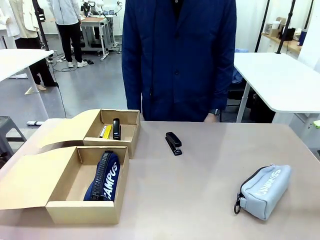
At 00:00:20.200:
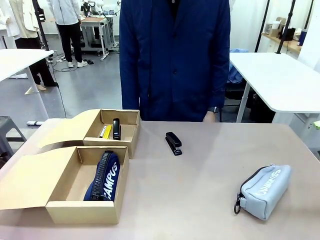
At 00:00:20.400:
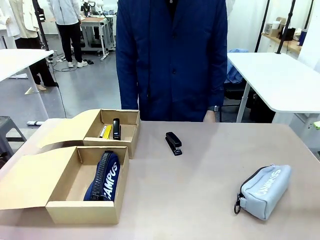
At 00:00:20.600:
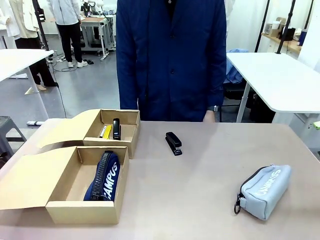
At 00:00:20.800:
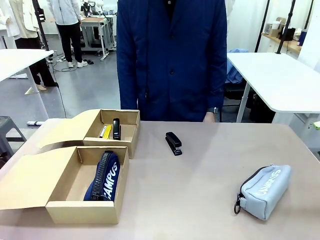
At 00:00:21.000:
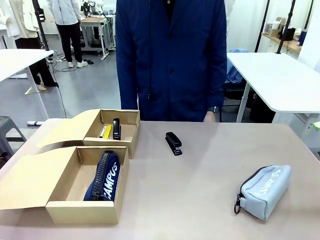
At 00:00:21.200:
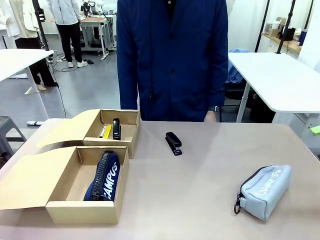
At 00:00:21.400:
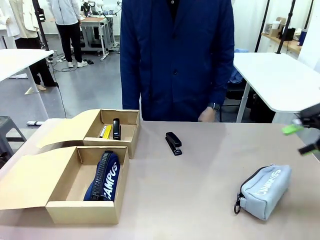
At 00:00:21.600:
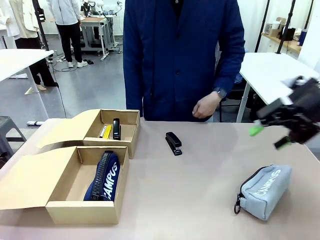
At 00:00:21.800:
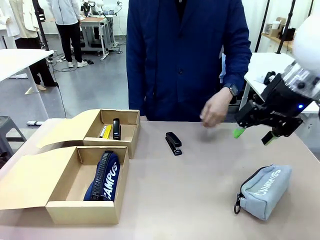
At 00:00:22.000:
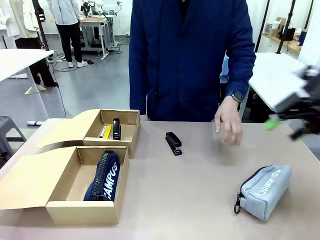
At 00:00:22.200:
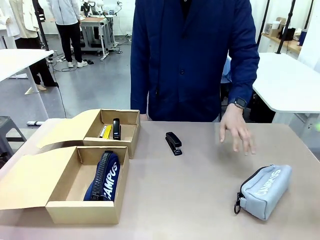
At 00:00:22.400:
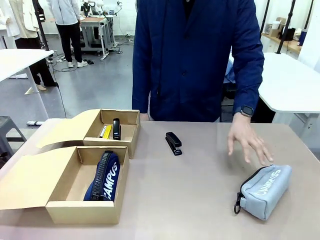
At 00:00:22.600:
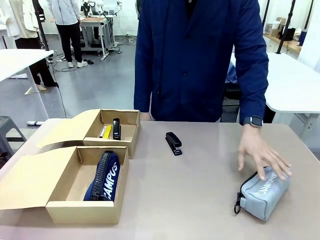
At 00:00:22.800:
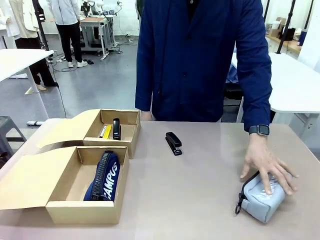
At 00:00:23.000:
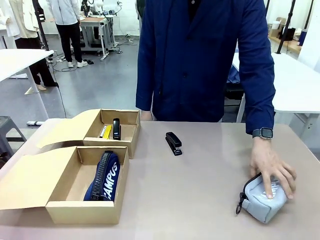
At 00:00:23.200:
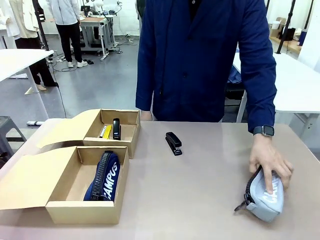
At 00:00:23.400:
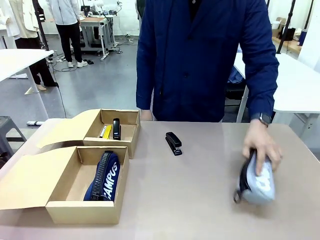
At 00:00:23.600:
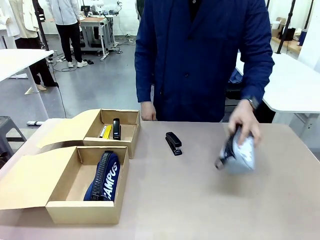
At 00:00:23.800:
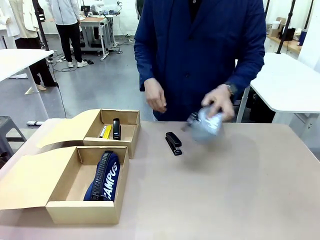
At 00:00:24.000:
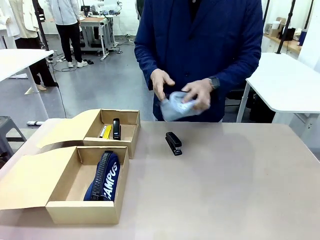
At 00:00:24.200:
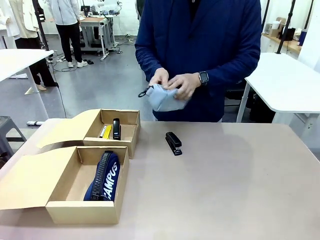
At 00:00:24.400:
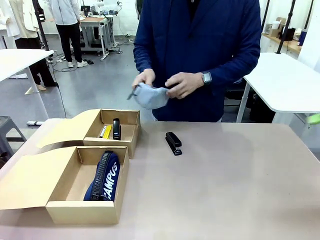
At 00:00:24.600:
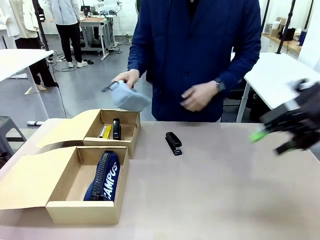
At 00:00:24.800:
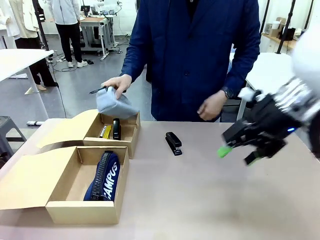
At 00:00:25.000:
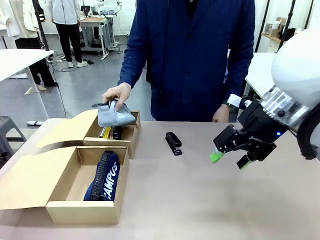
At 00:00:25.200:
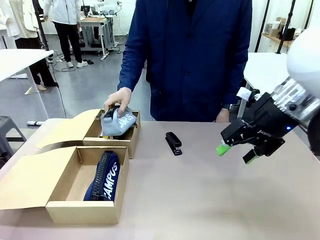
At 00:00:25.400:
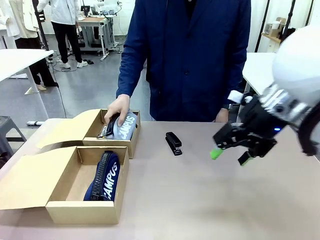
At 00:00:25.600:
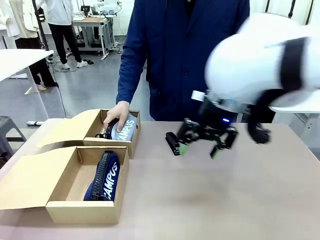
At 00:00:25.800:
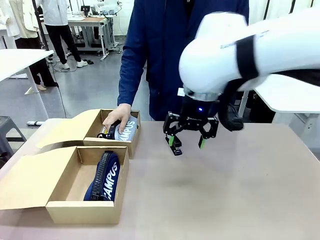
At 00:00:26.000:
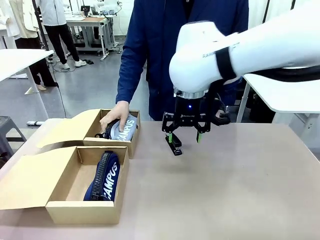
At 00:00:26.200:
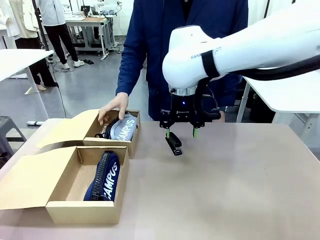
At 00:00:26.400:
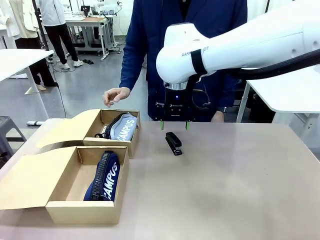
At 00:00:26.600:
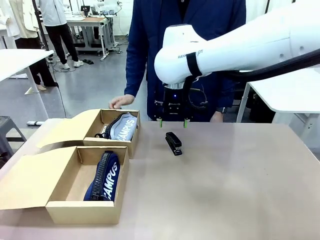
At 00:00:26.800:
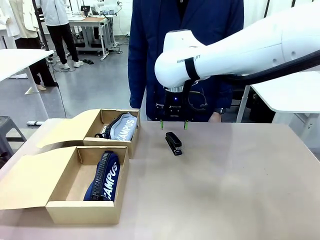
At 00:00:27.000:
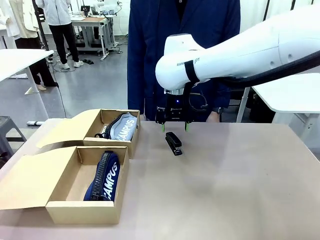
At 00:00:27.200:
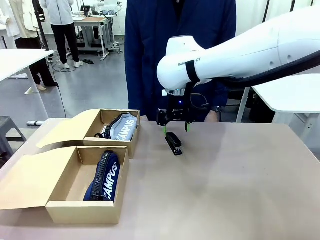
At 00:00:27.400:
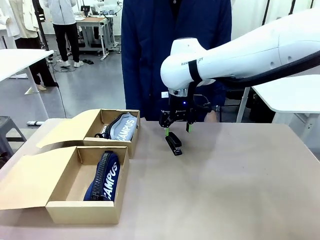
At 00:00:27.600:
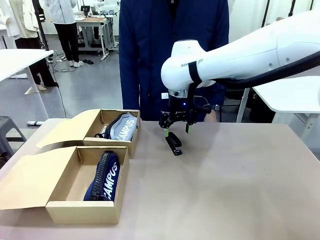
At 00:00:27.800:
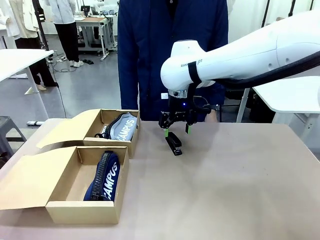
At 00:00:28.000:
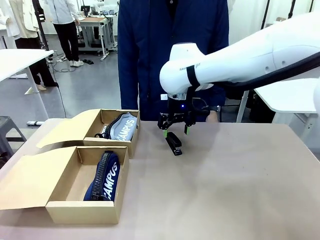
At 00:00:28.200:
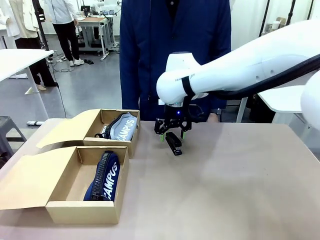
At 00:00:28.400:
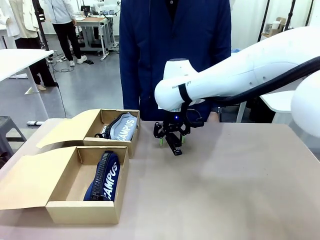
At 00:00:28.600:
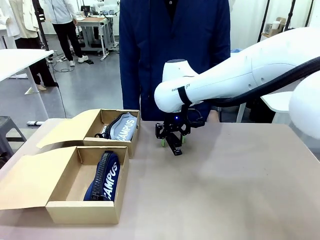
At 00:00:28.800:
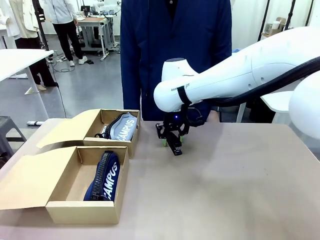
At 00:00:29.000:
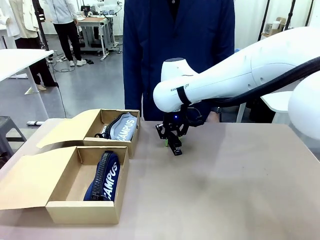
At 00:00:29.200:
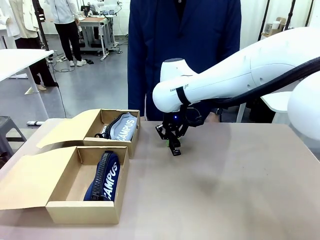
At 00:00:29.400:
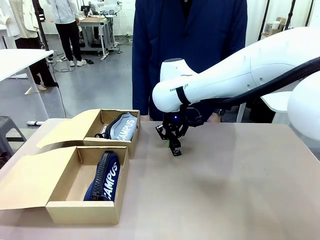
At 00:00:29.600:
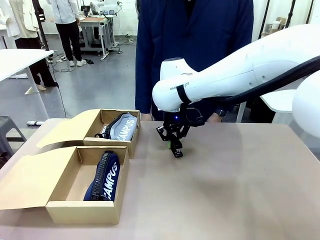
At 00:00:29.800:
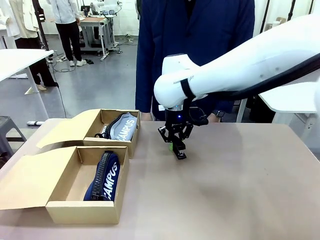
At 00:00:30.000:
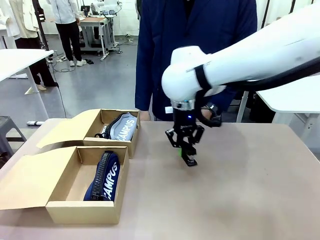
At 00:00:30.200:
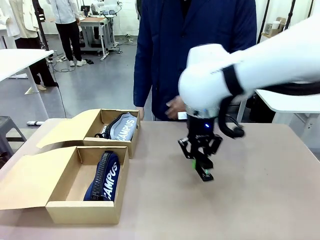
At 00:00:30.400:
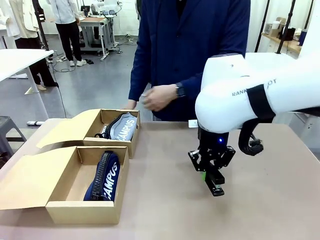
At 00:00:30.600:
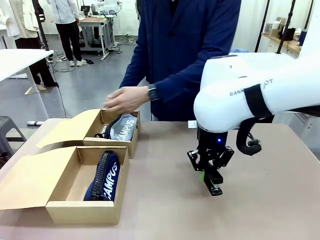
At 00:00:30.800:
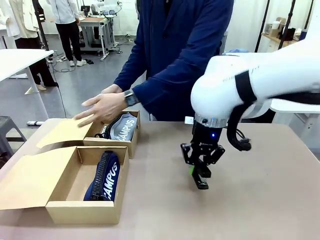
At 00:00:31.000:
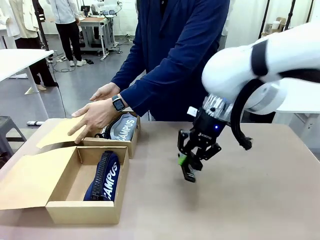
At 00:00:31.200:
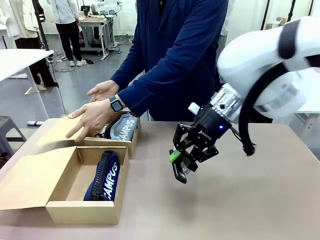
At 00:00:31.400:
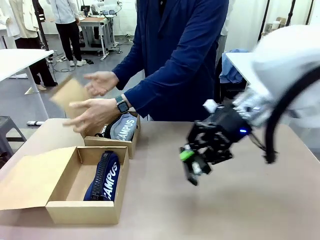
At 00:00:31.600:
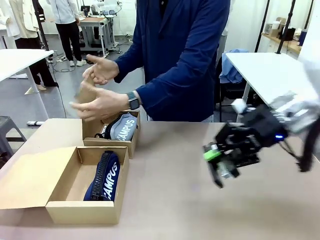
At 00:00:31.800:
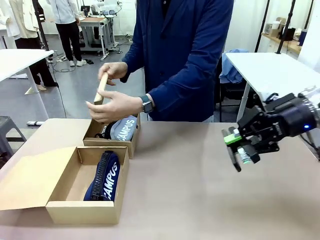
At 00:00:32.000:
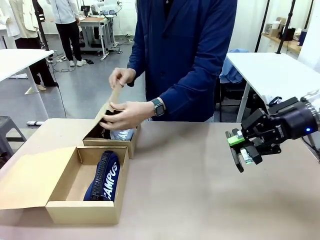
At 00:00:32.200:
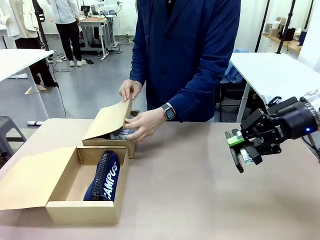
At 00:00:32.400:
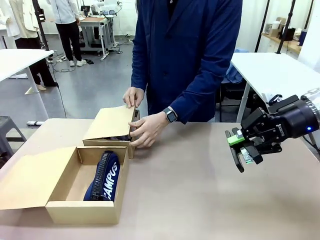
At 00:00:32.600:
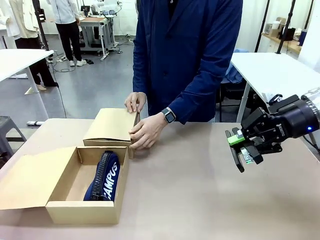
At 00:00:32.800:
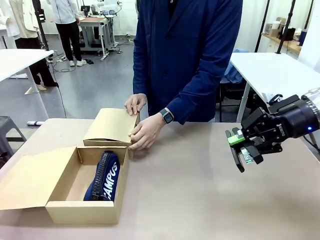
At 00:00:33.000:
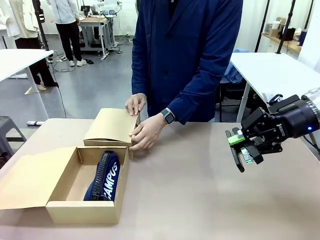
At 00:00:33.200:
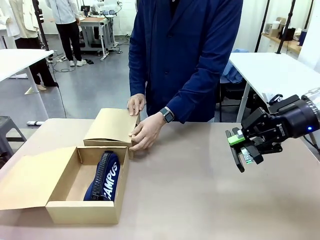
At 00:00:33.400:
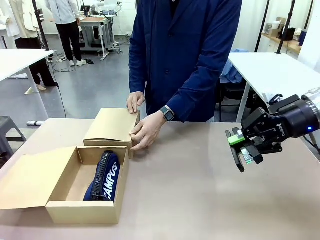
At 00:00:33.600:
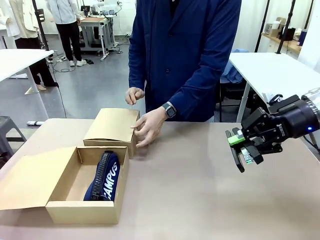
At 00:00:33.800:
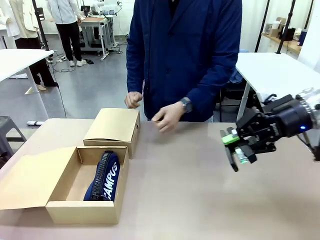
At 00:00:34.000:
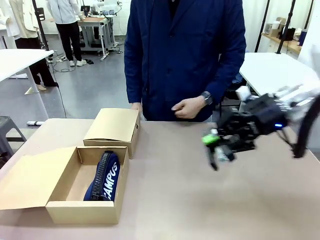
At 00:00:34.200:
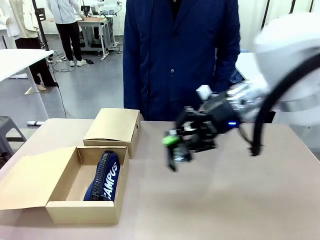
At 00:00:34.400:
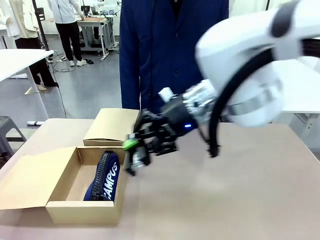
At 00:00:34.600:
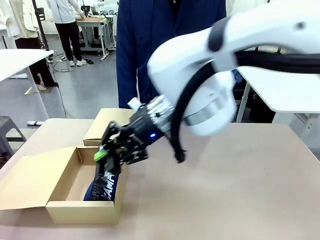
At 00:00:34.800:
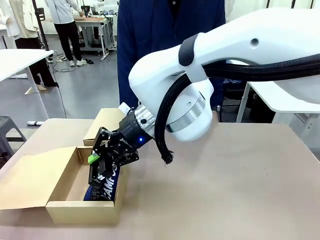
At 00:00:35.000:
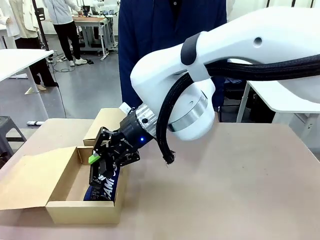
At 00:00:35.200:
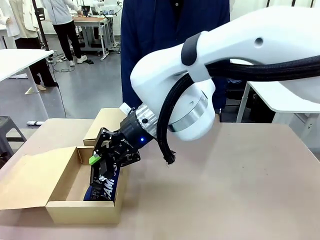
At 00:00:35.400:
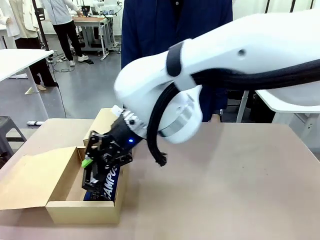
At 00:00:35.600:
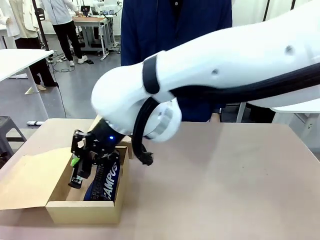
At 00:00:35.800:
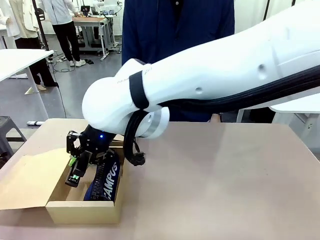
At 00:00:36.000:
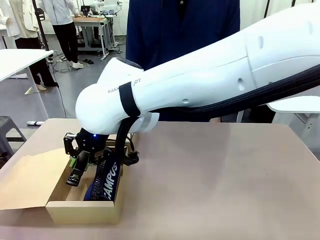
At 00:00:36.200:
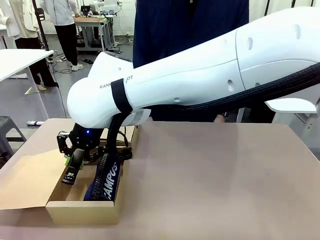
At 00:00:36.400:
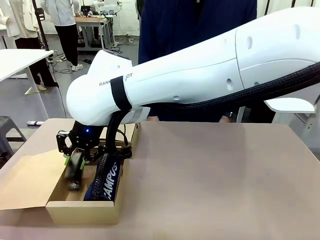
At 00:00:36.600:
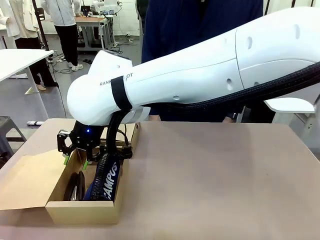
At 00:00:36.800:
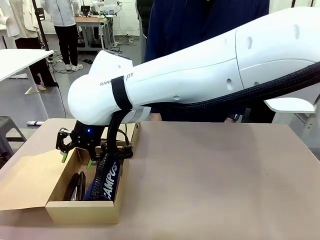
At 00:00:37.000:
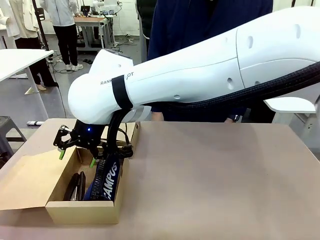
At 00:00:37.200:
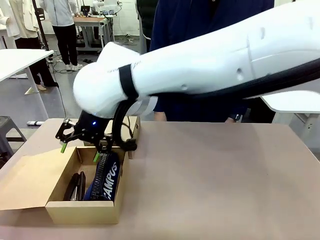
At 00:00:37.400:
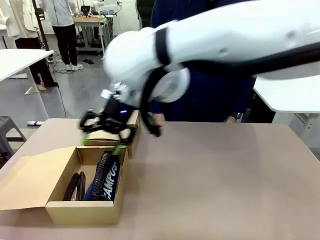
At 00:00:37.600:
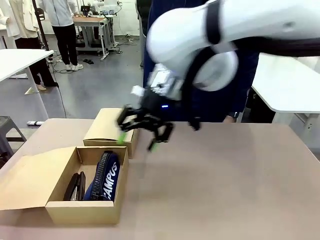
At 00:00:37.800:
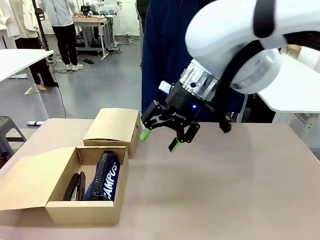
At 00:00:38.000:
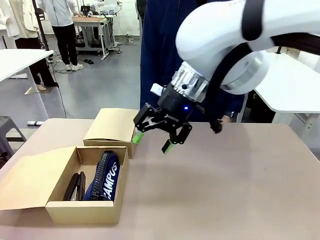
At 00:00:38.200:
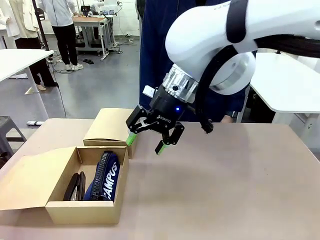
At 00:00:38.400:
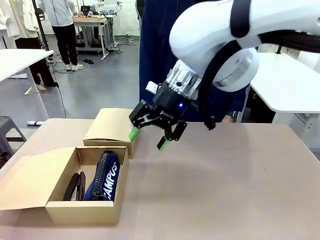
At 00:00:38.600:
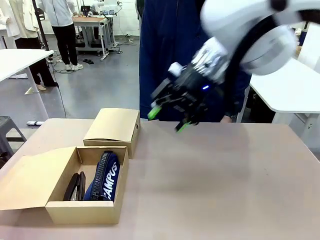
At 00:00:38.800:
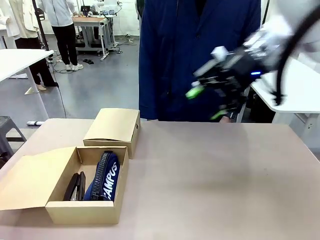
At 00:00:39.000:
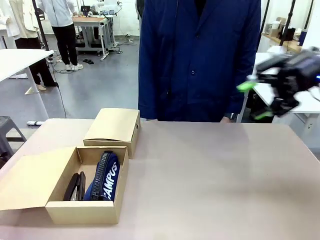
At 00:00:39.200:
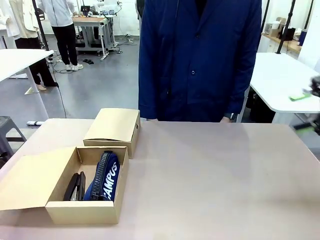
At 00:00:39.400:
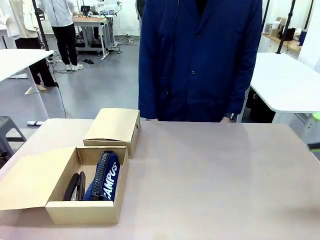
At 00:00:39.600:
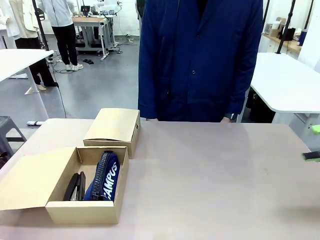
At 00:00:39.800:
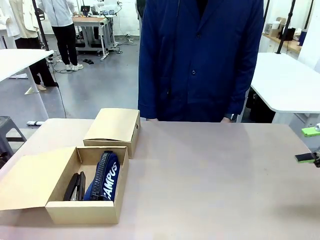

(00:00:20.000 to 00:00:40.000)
Task: Place items inside the box.
Robot: Pick up a Pencil pouch or Stapler and place it inside the Mailer Box closest to the robot.
Person: Close the lid of the box facing the person.
